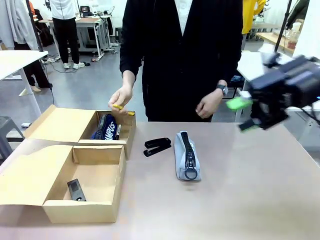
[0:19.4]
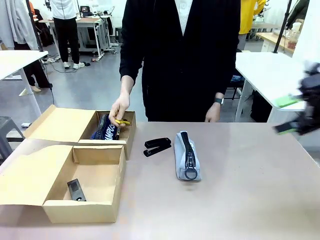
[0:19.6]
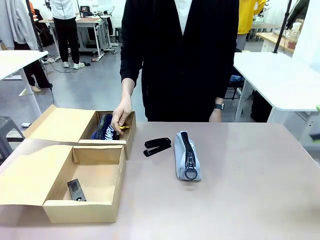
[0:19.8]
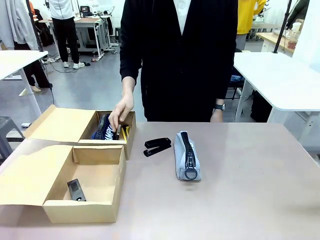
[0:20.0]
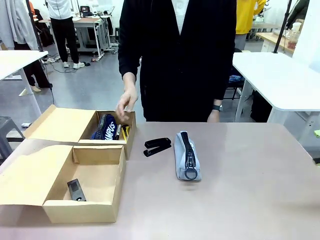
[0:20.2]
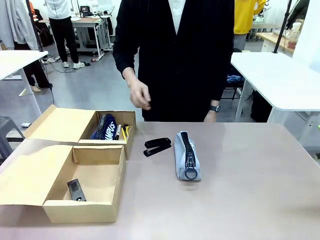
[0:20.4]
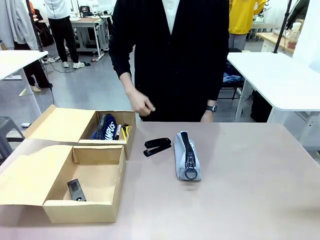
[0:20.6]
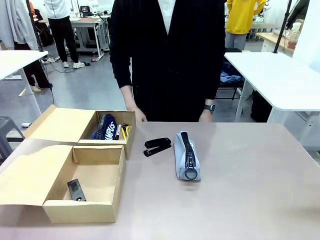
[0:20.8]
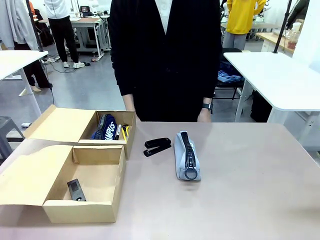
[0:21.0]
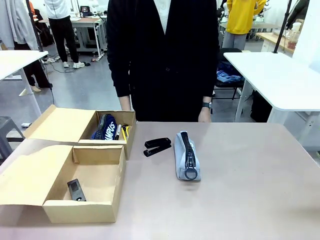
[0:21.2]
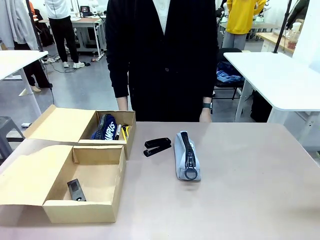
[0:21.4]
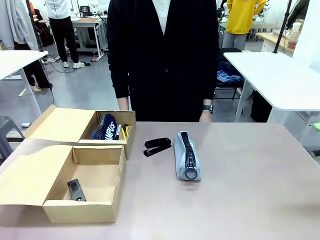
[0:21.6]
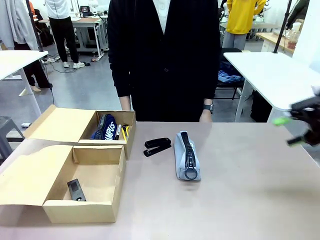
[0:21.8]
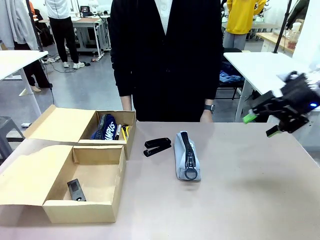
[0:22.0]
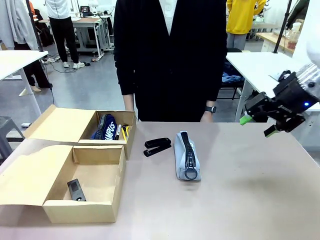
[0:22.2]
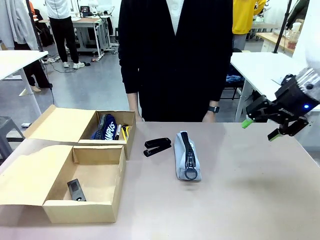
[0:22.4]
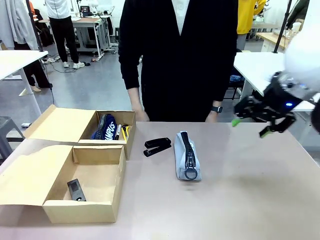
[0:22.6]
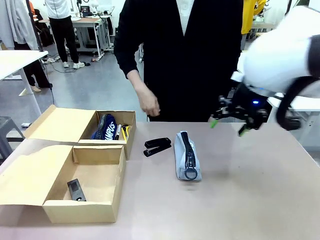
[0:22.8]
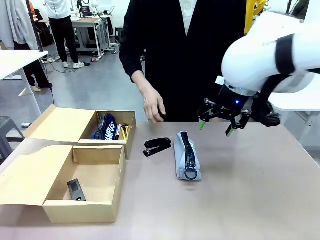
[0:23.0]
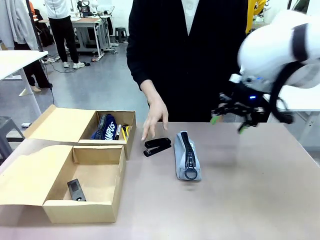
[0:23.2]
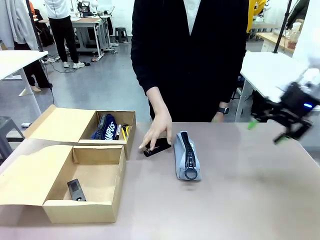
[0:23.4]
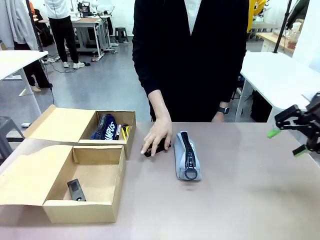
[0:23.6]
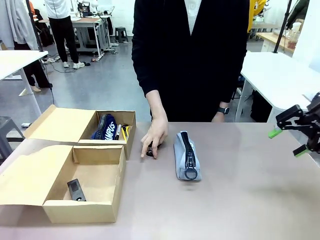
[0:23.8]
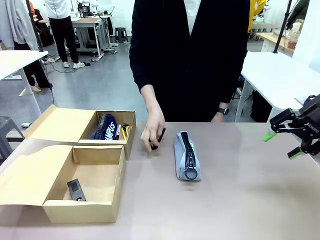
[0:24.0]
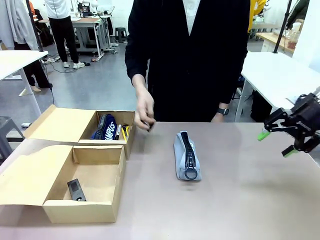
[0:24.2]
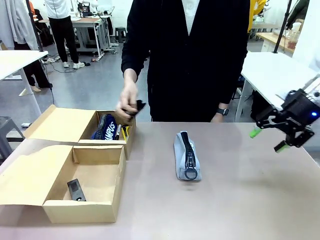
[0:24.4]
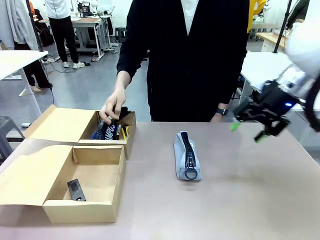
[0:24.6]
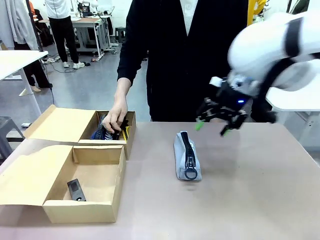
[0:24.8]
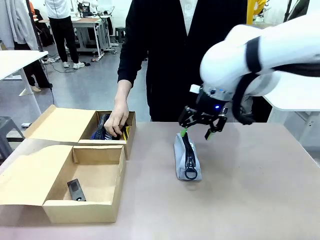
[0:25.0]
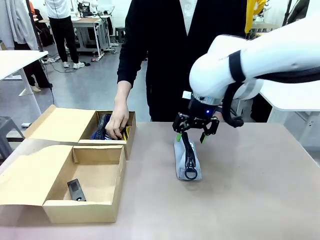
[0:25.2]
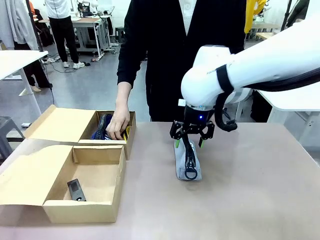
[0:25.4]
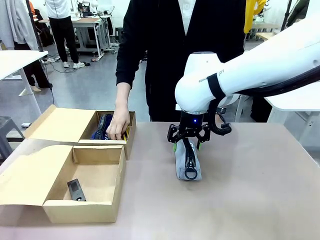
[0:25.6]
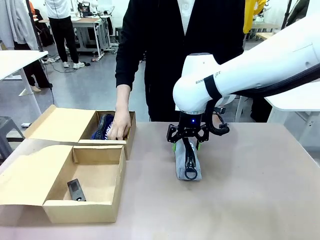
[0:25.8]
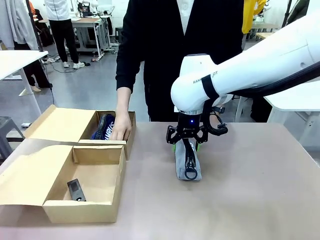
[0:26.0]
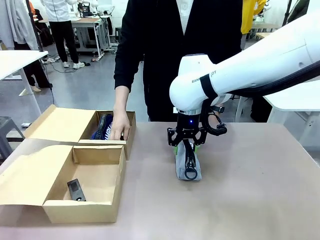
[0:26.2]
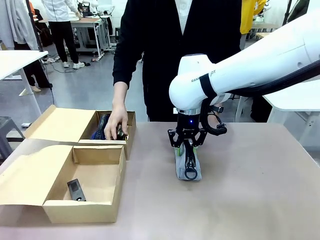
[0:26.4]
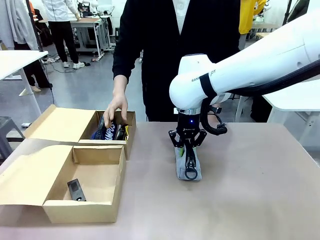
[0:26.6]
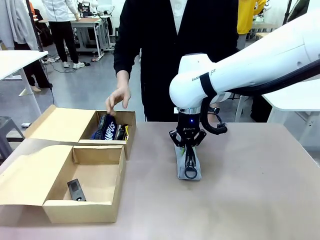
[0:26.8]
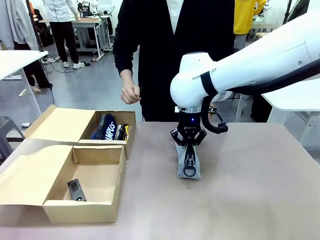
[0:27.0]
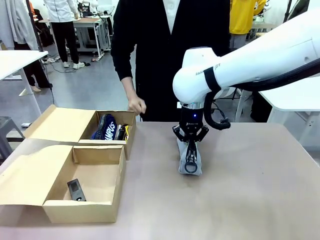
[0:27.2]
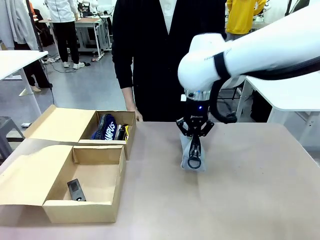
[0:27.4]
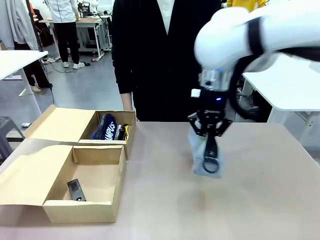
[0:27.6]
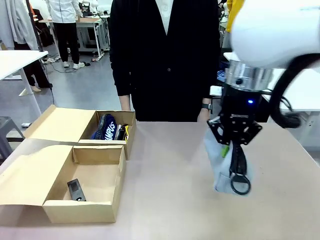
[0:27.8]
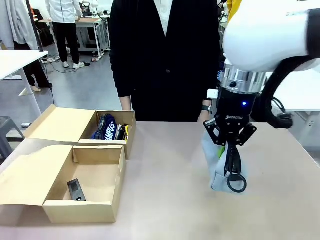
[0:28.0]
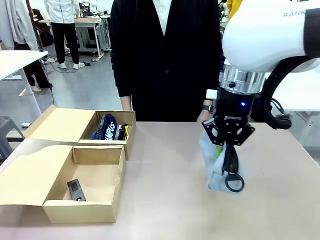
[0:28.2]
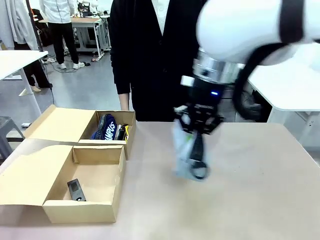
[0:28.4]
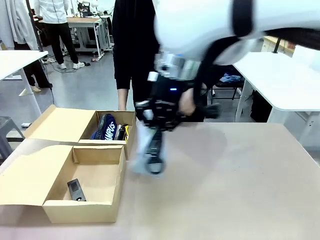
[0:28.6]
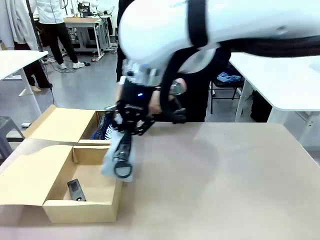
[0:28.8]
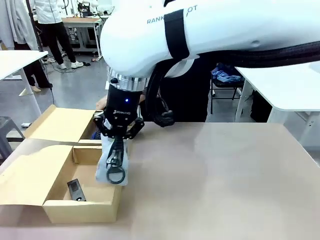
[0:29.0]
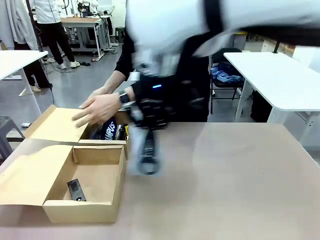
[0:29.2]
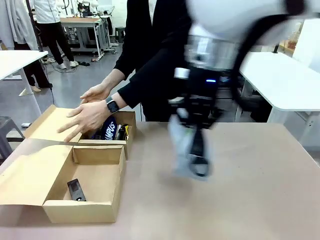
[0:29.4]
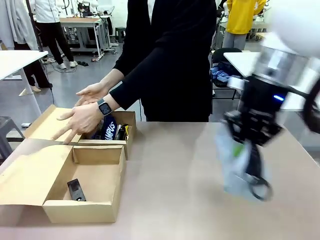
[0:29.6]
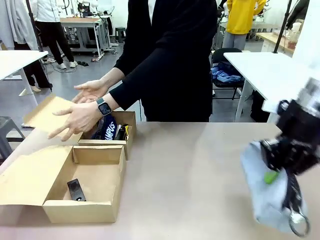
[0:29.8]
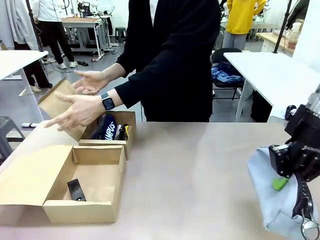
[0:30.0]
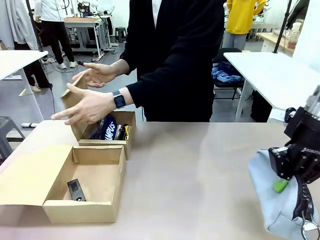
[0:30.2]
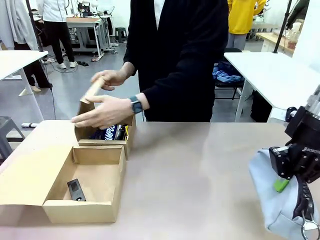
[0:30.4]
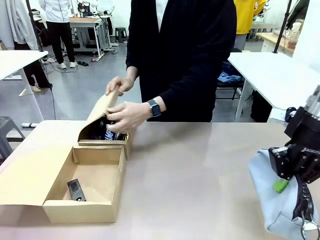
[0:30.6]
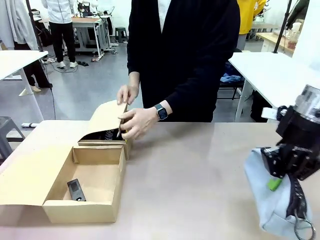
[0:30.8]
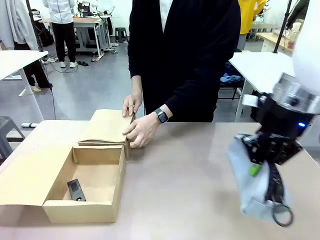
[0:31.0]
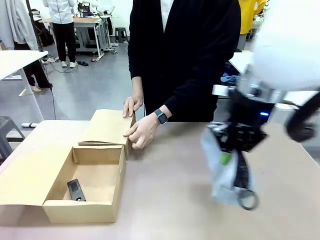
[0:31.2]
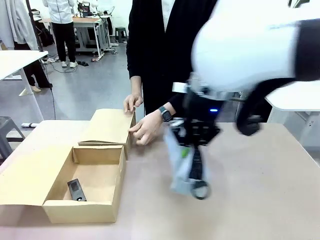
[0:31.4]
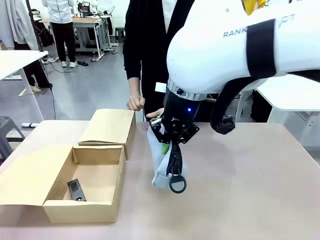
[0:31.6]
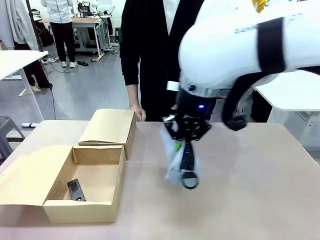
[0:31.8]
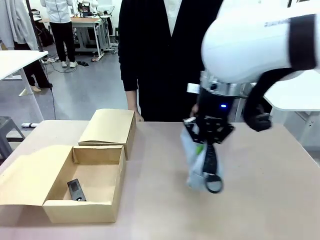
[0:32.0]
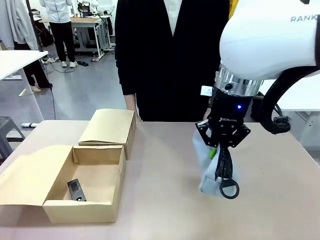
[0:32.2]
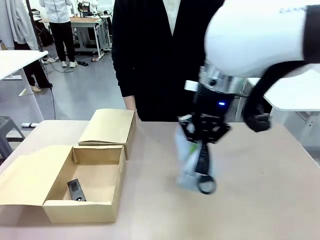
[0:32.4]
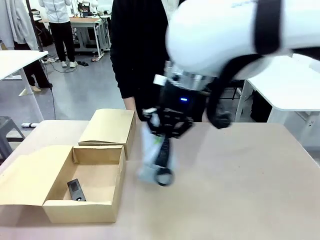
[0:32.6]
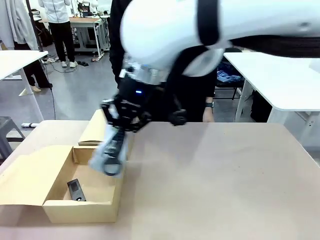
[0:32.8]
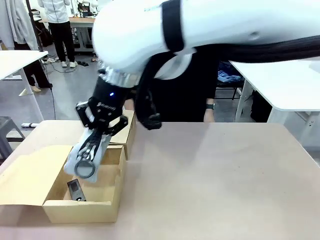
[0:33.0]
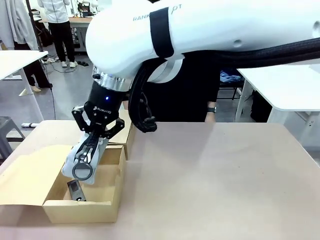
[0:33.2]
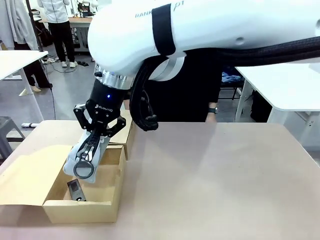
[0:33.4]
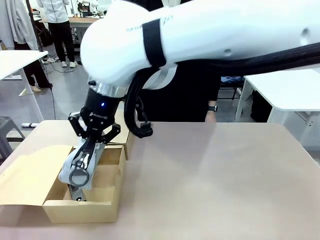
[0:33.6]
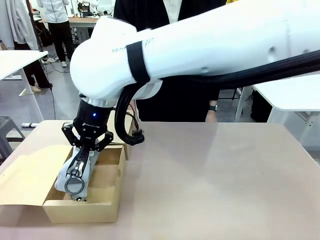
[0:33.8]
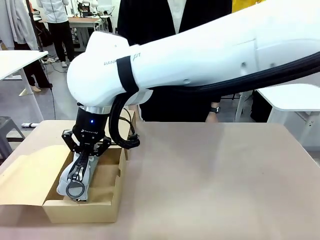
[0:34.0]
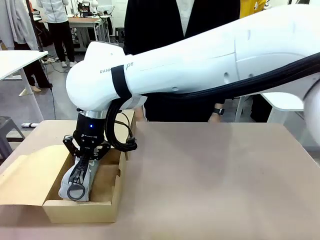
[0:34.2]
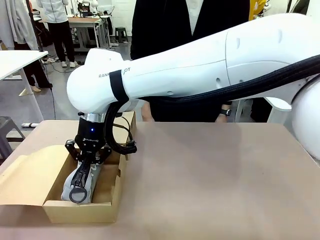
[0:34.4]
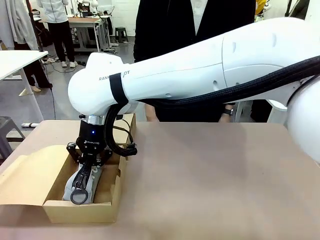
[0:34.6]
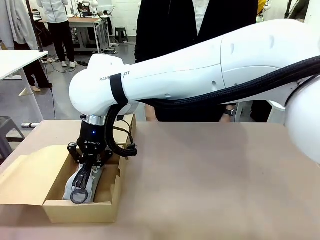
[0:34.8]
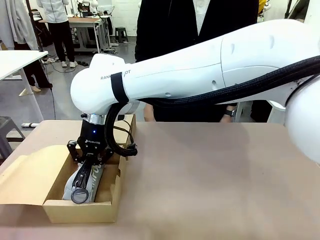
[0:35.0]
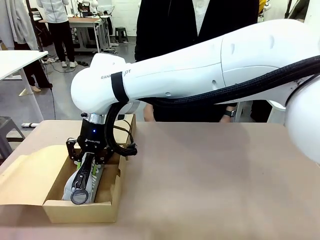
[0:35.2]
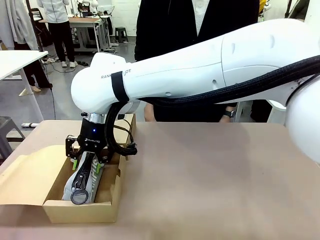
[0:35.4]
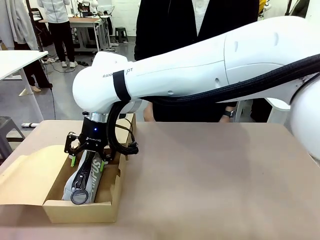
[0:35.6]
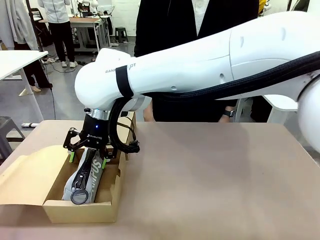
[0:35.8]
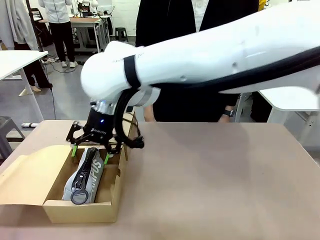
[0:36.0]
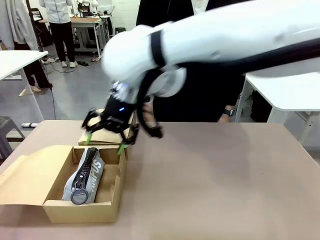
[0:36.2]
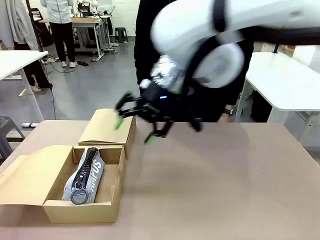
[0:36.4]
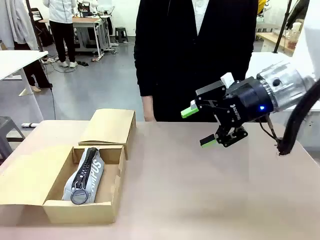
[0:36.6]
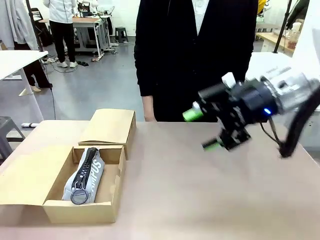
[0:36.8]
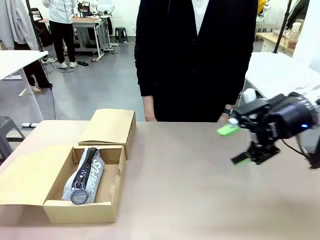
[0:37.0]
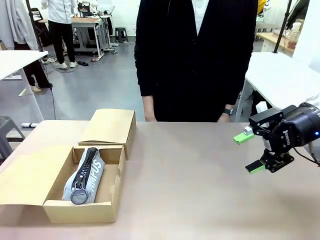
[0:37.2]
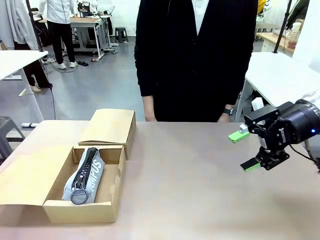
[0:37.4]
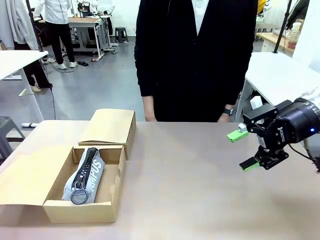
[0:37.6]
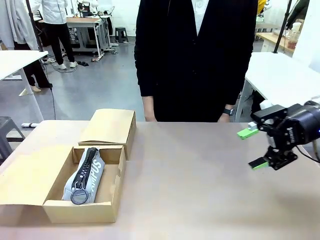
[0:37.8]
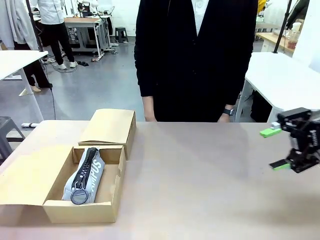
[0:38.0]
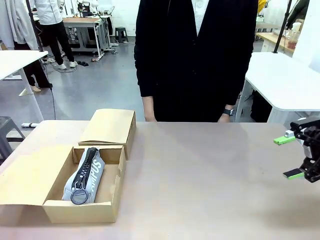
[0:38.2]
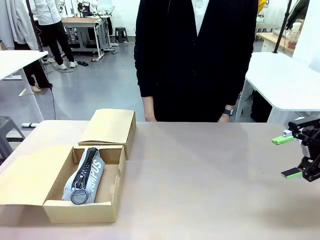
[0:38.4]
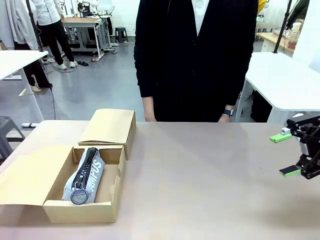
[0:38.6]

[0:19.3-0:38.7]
Task: Place items inside the box.
Robot: Pick up a Pencil pouch or Stapler and place it inside the Mailer Box closest to the robot.
Person: Close the lid of the box facing the person.
